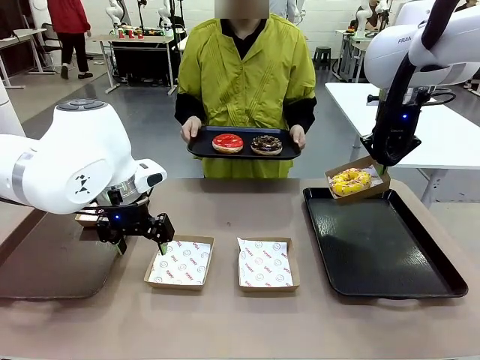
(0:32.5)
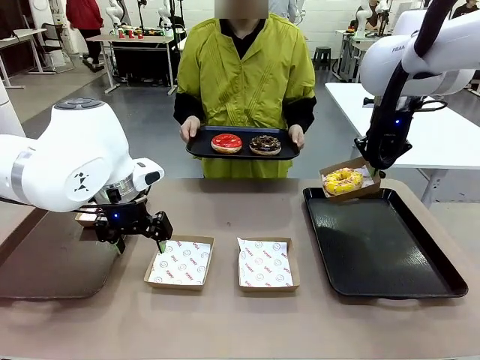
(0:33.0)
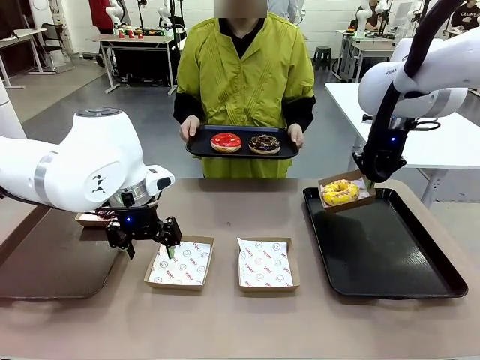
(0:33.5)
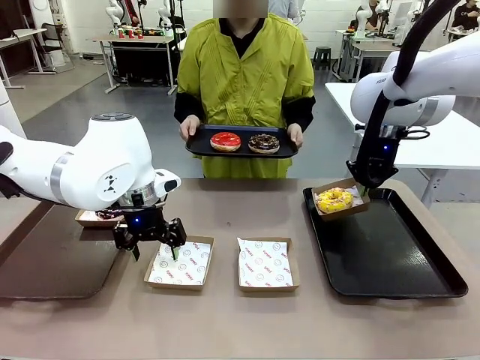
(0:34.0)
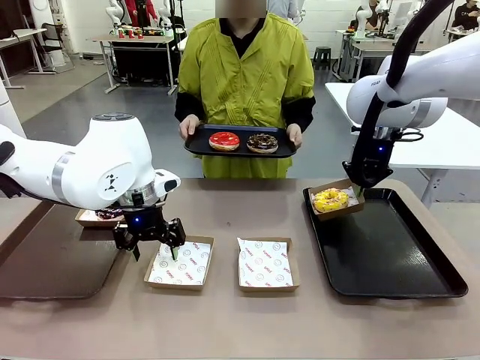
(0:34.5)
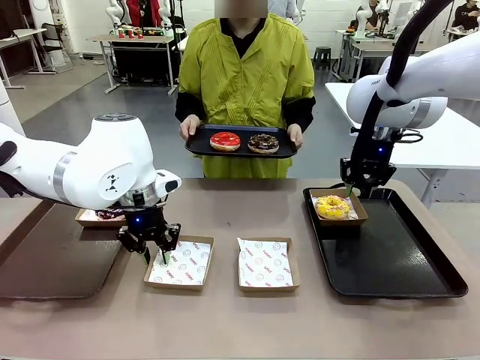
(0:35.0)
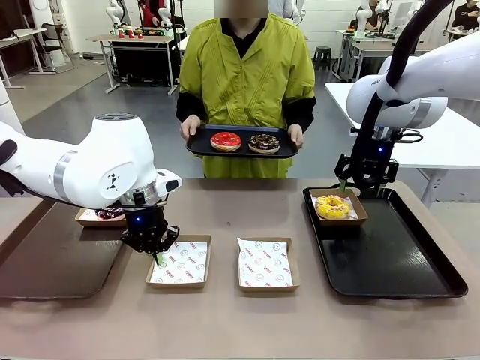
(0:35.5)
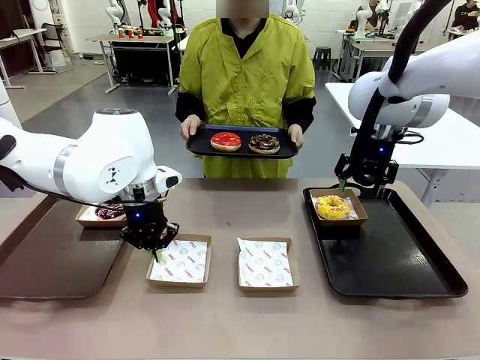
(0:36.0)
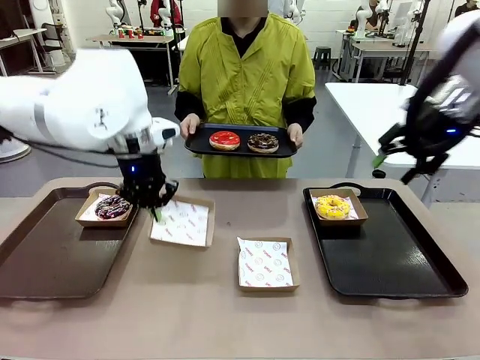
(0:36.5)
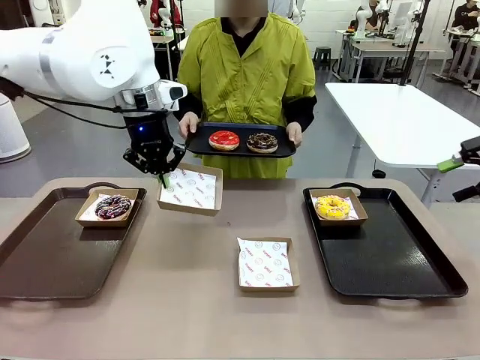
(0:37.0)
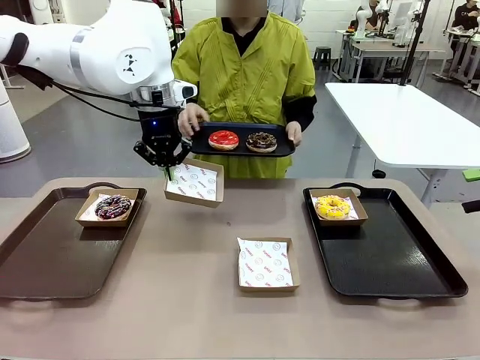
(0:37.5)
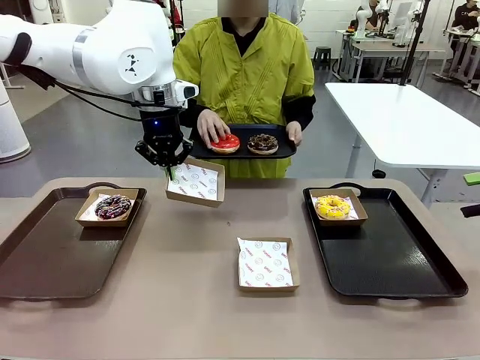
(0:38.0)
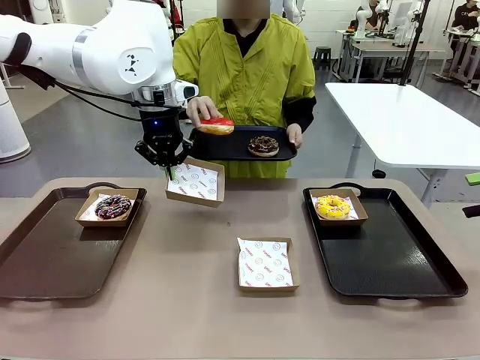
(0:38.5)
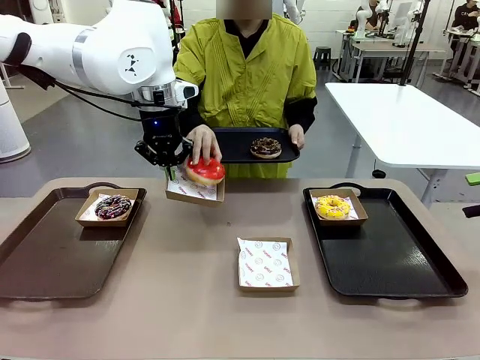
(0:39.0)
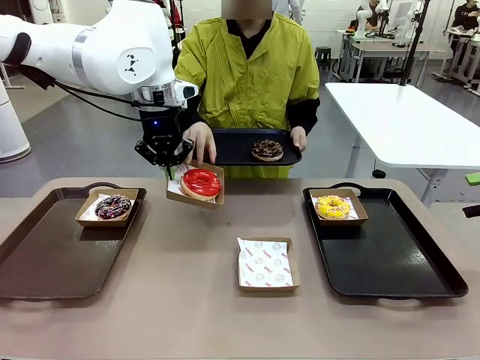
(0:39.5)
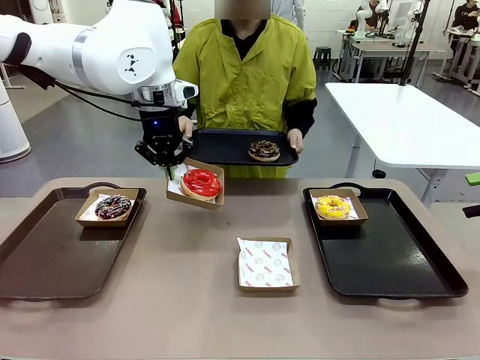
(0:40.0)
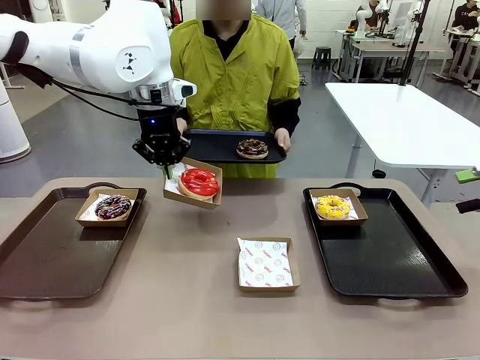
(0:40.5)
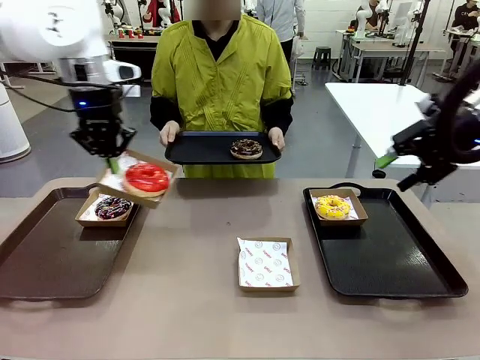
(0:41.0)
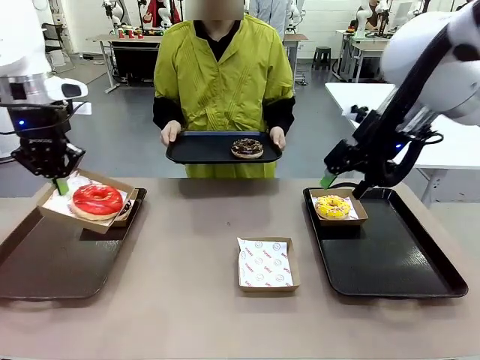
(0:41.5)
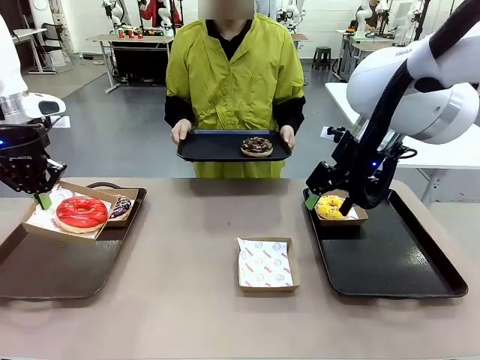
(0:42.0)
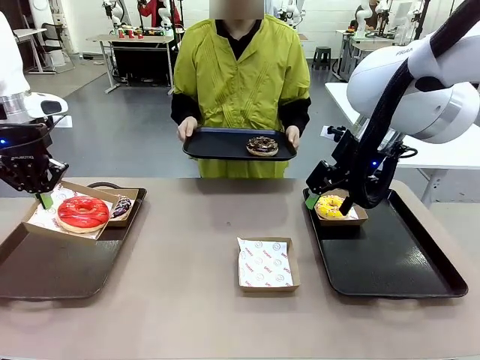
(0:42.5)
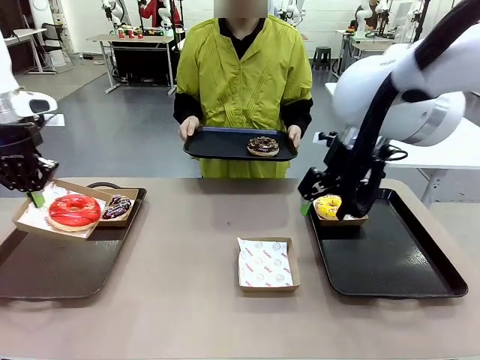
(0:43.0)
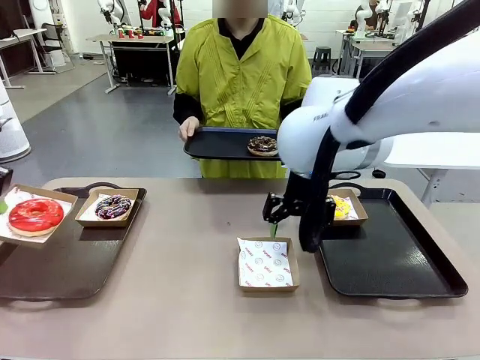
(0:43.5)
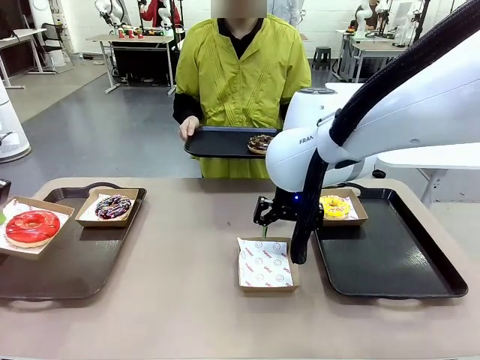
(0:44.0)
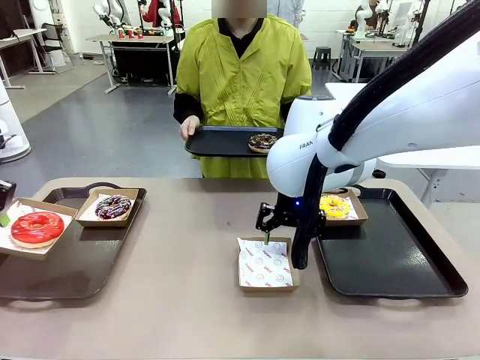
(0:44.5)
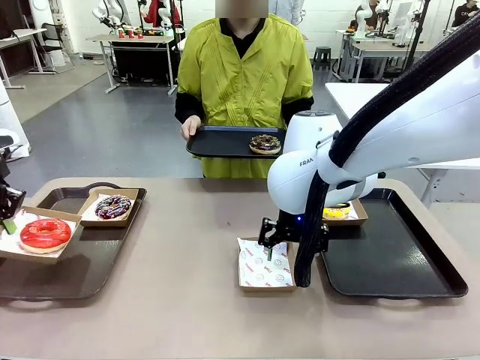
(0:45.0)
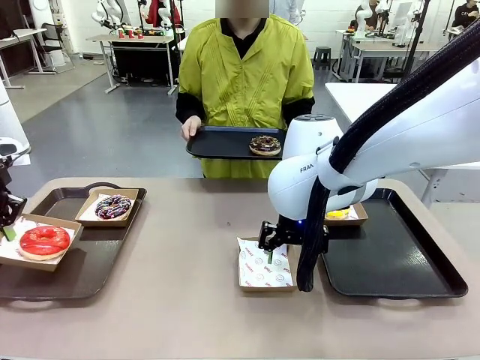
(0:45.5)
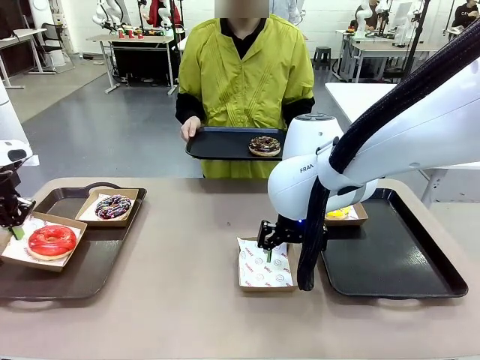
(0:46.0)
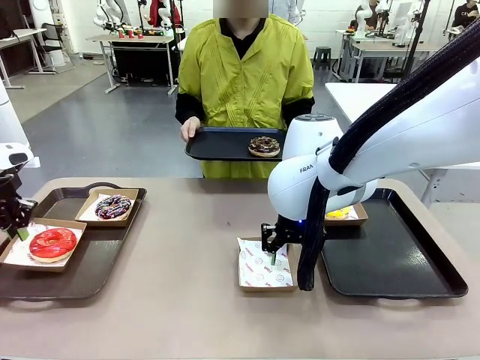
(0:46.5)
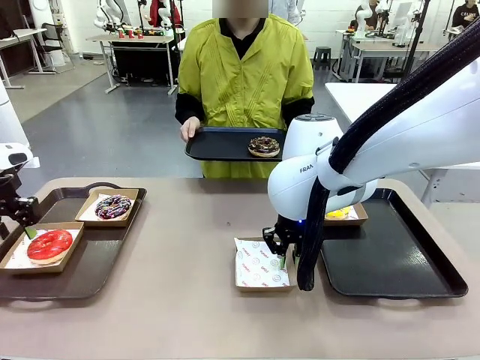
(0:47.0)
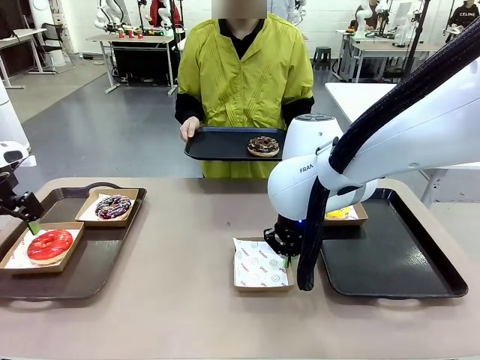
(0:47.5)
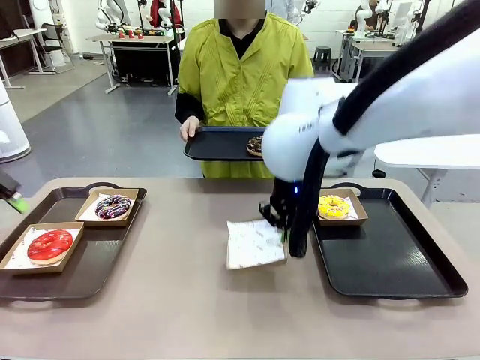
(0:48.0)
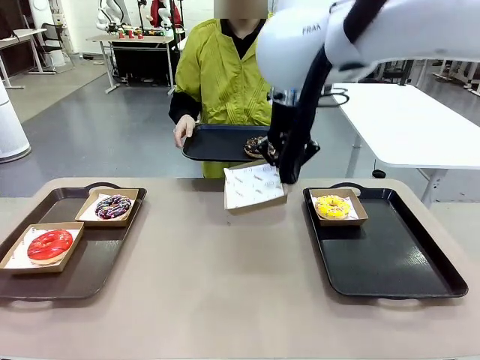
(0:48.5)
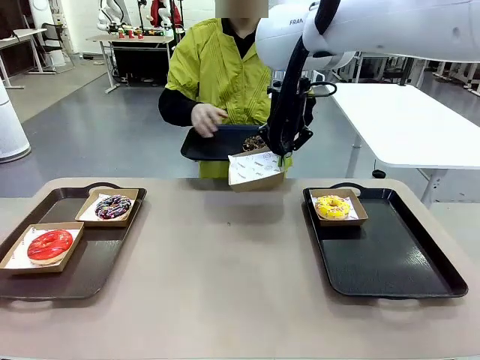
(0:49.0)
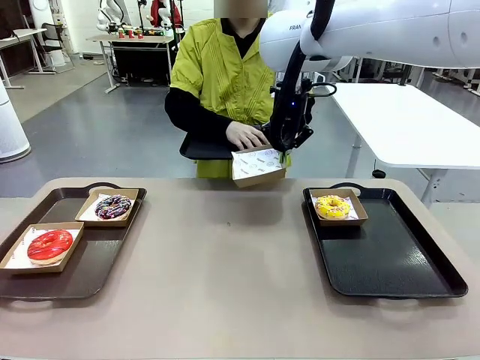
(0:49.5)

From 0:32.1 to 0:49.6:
Task: Individually package the donuts and arrange them on the tray.
Robot: Place the picked Paper togo box on the Handle tray while simultaneously picking up another Paper togo box from the table with the other hand.

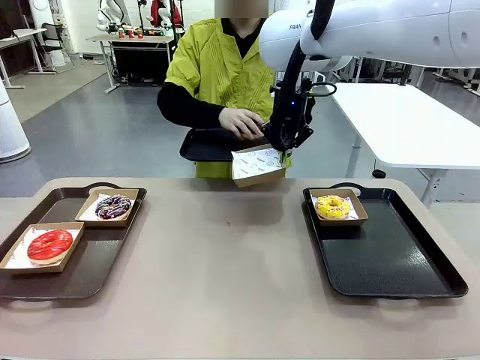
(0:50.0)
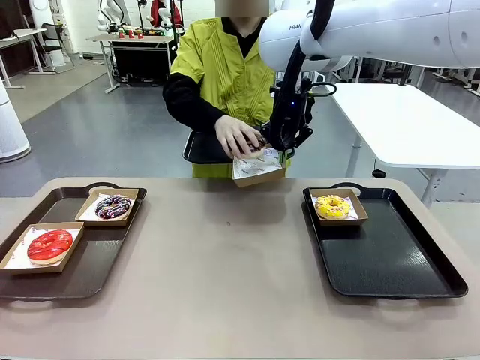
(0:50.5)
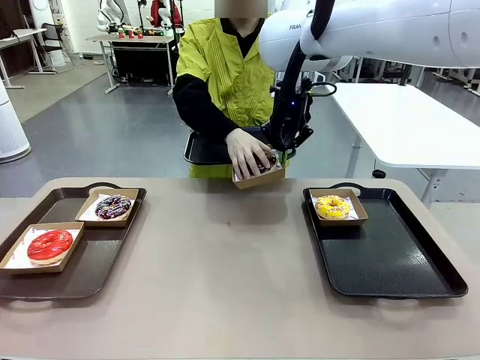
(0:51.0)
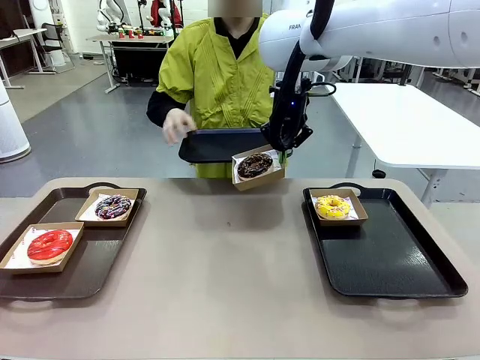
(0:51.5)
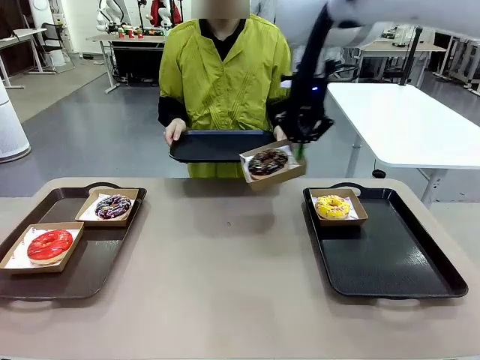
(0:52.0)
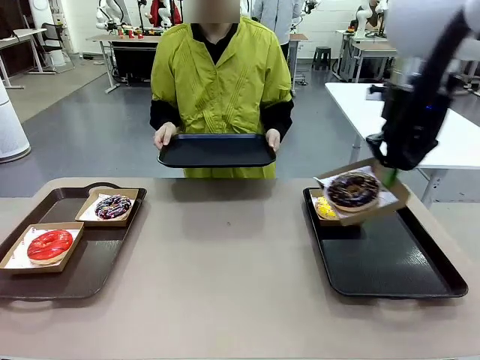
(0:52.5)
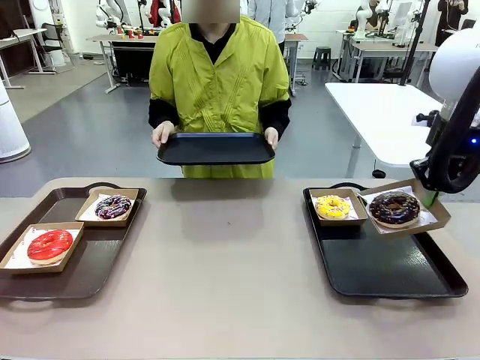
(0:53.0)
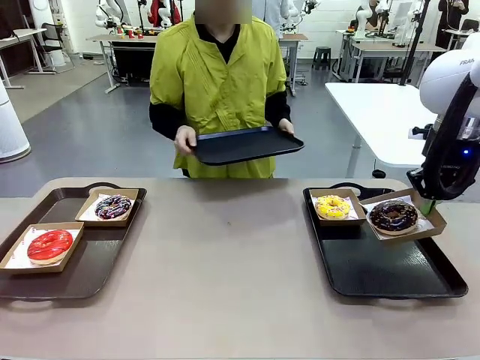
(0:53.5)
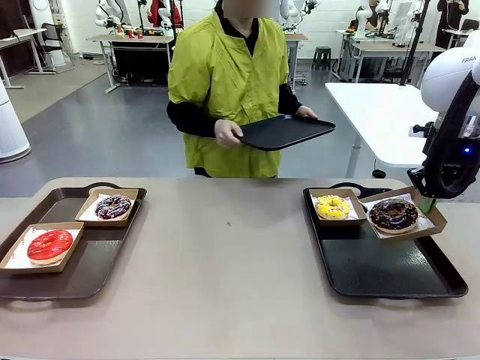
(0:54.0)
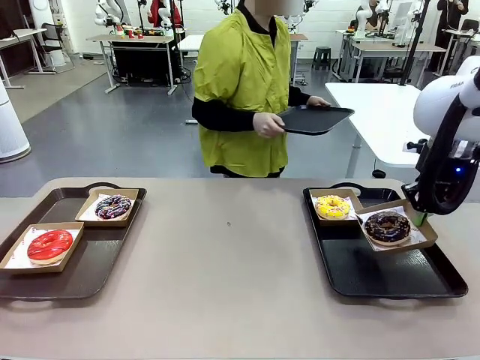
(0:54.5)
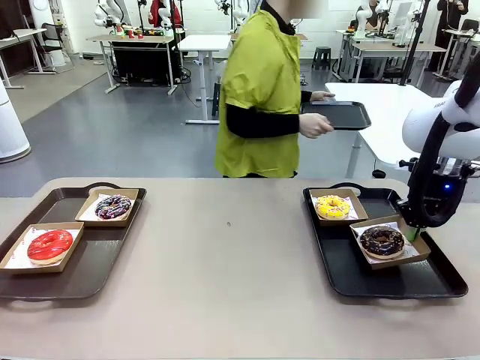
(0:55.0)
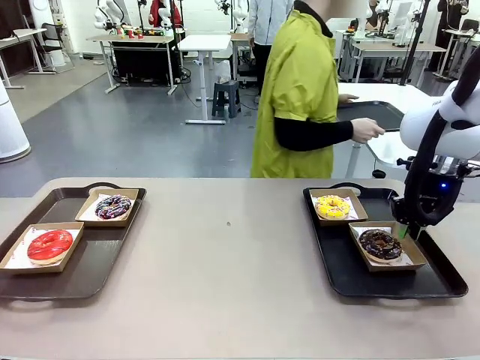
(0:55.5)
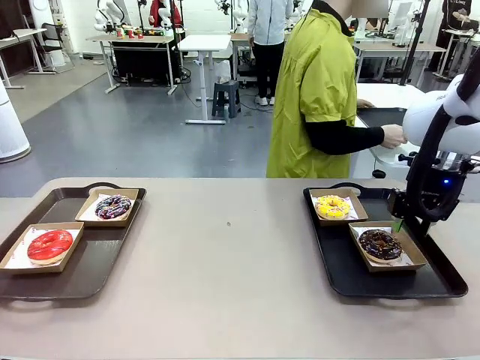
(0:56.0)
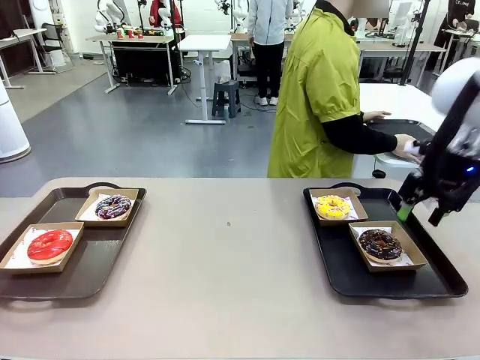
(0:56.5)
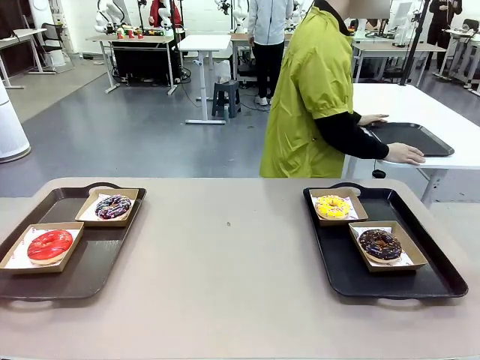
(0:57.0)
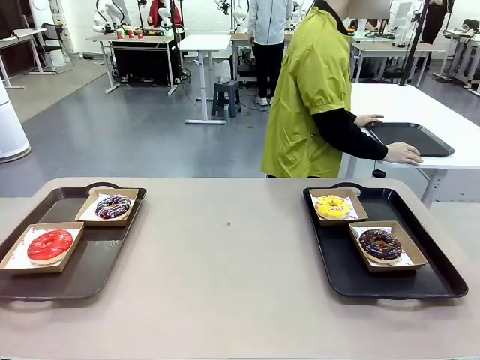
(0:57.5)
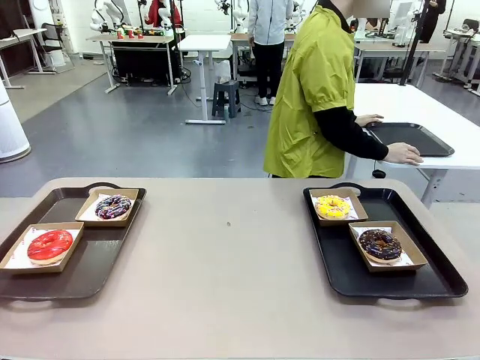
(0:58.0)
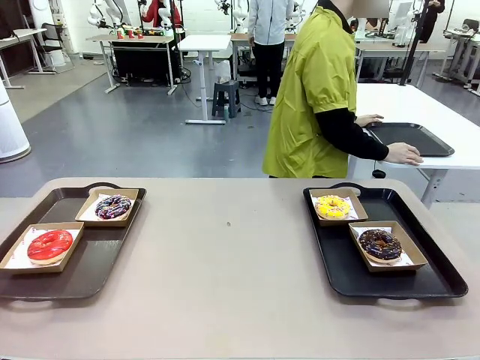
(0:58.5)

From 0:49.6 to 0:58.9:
Robot: Place the picked Paper togo box on the Handle tray.
Person: Place the tray down in the middle of the human table.
